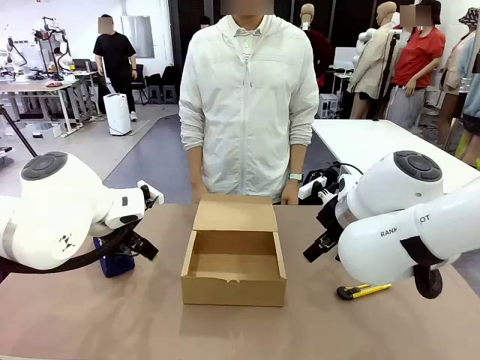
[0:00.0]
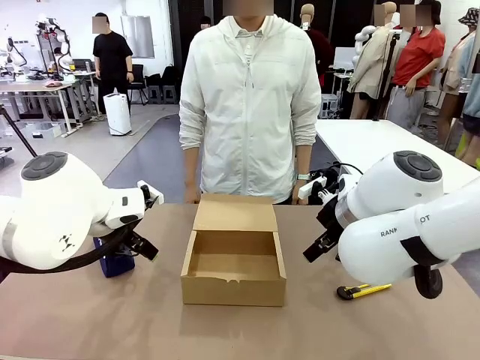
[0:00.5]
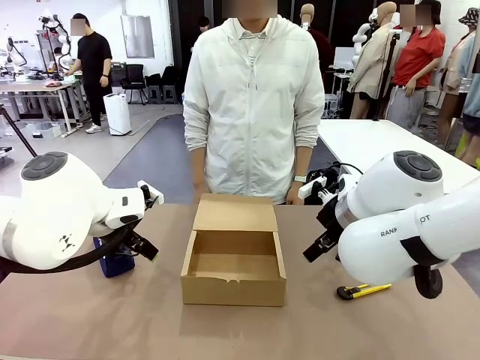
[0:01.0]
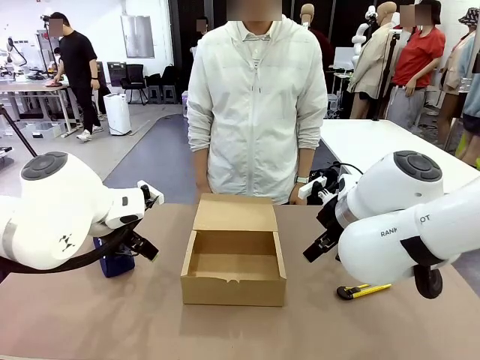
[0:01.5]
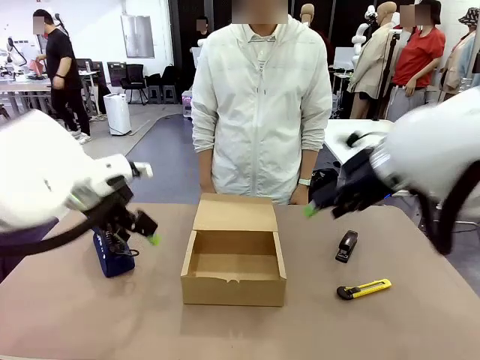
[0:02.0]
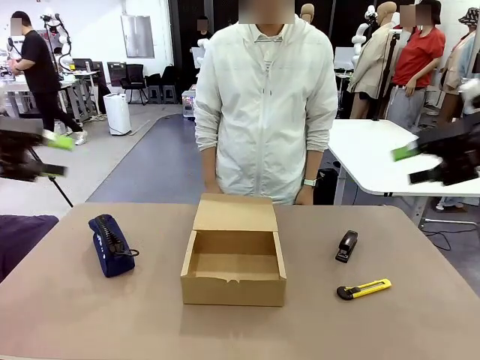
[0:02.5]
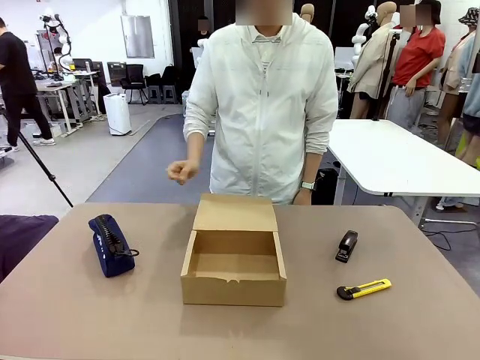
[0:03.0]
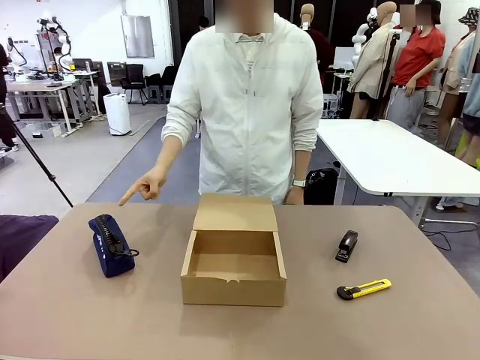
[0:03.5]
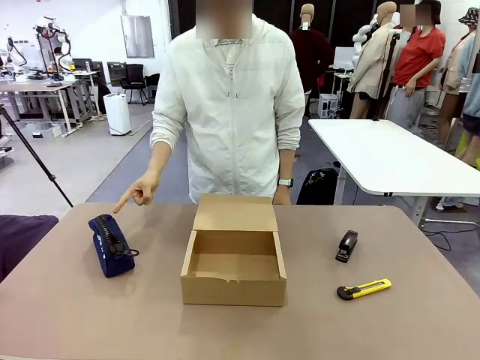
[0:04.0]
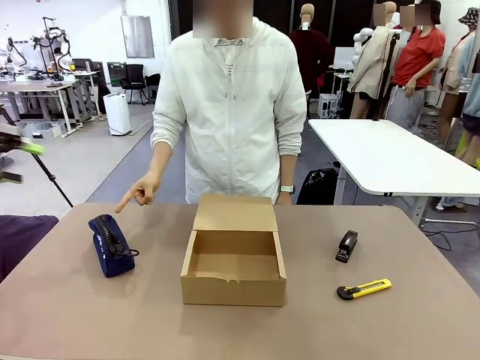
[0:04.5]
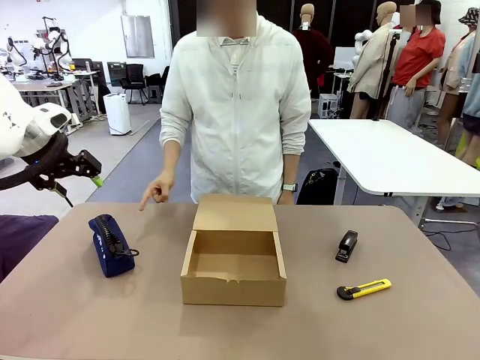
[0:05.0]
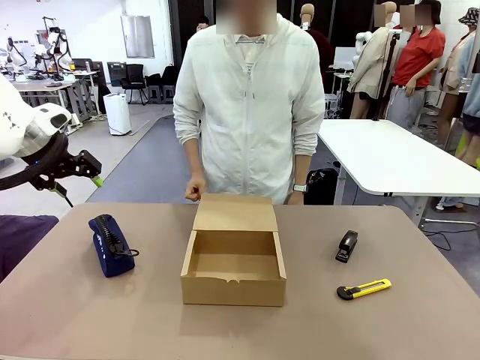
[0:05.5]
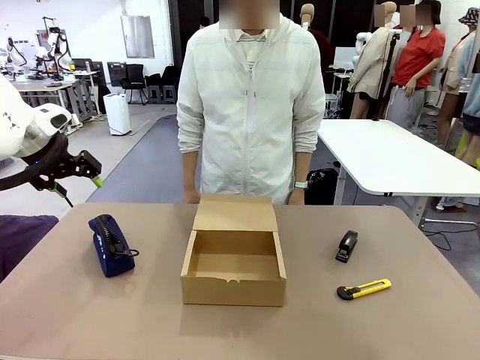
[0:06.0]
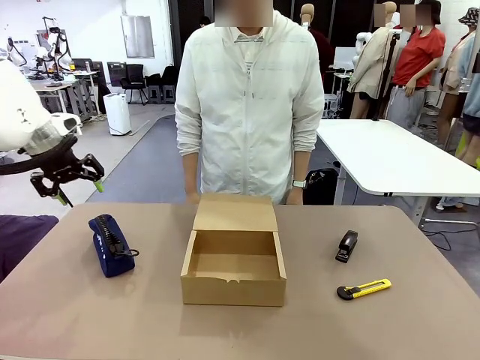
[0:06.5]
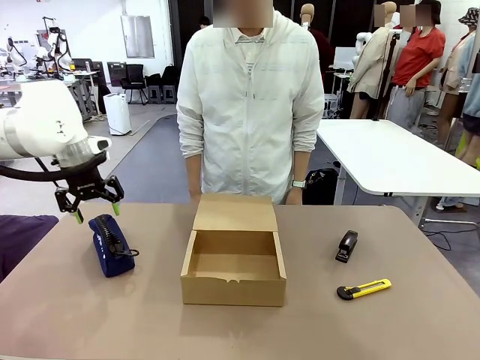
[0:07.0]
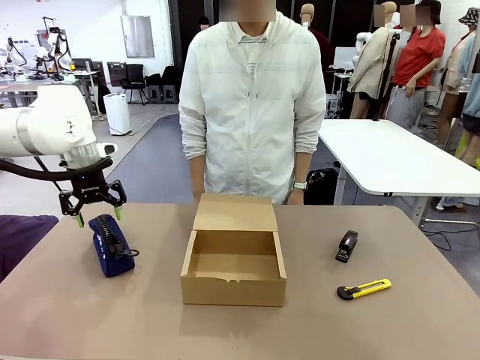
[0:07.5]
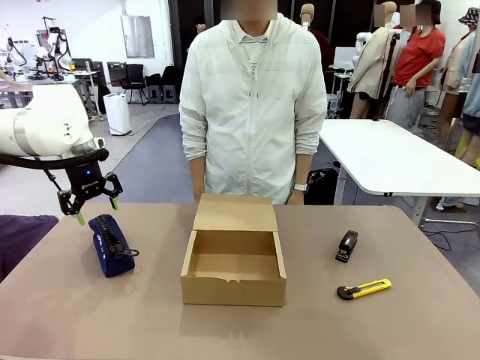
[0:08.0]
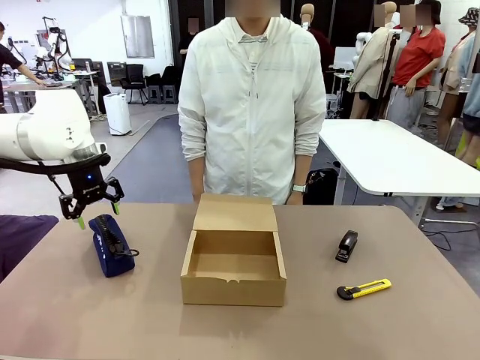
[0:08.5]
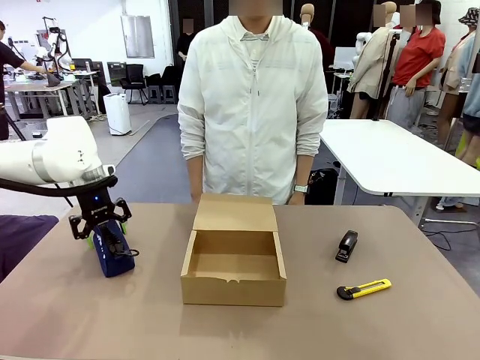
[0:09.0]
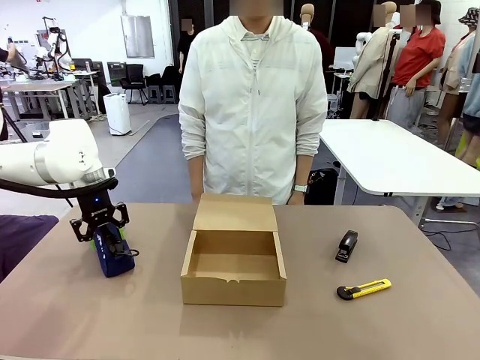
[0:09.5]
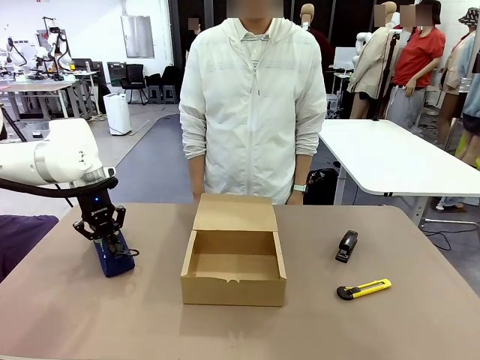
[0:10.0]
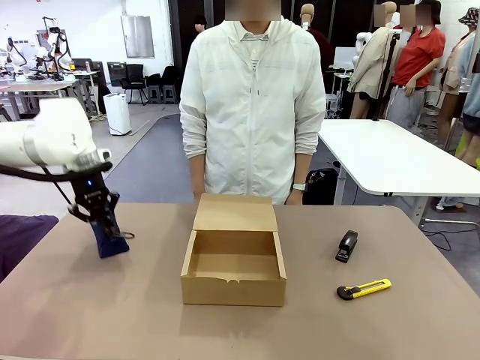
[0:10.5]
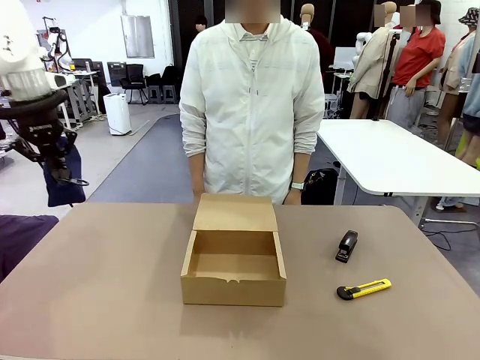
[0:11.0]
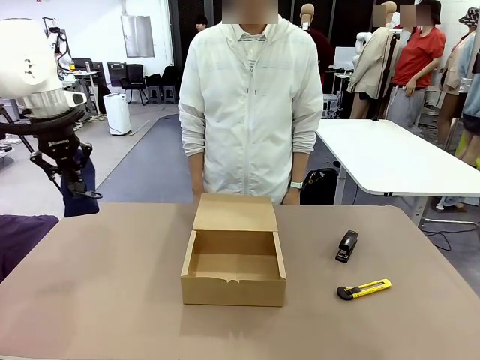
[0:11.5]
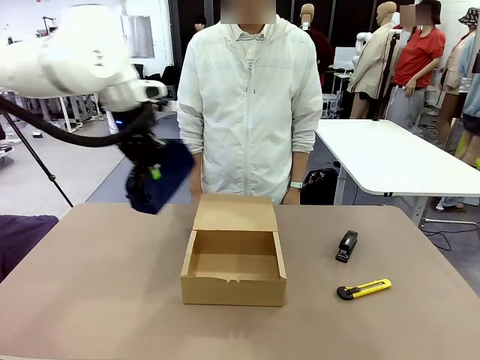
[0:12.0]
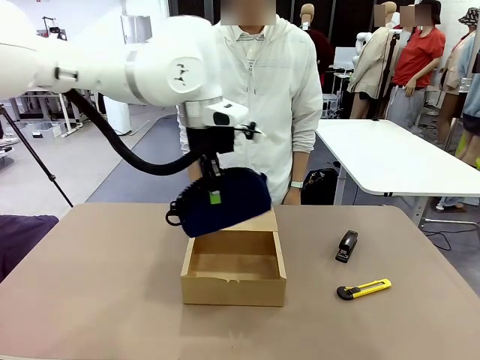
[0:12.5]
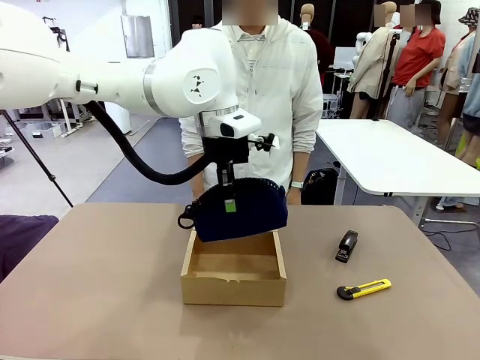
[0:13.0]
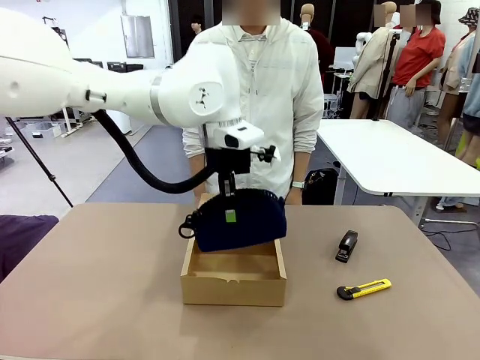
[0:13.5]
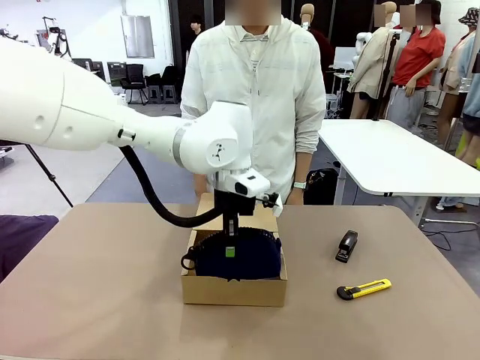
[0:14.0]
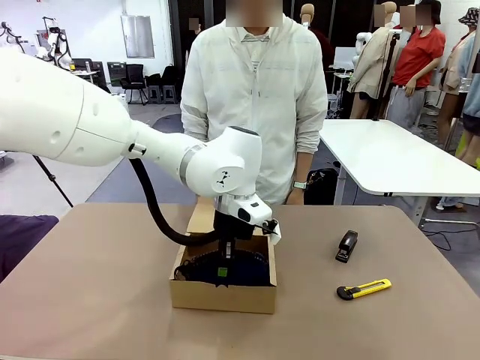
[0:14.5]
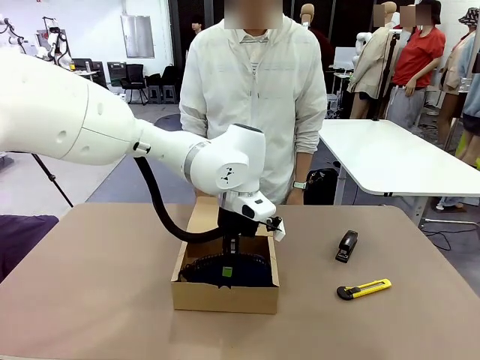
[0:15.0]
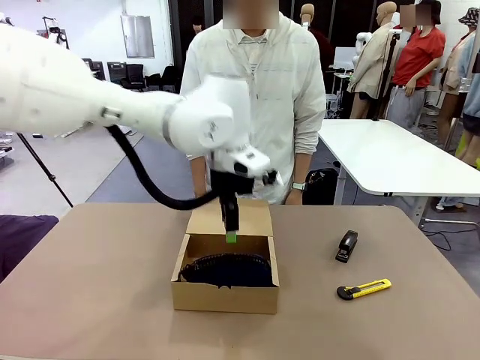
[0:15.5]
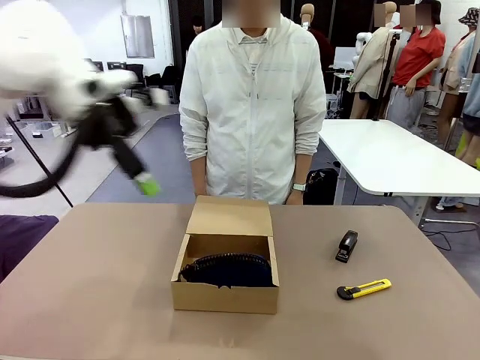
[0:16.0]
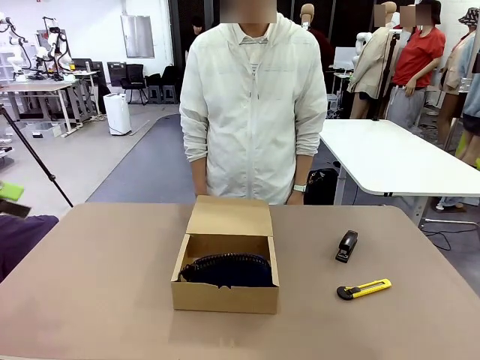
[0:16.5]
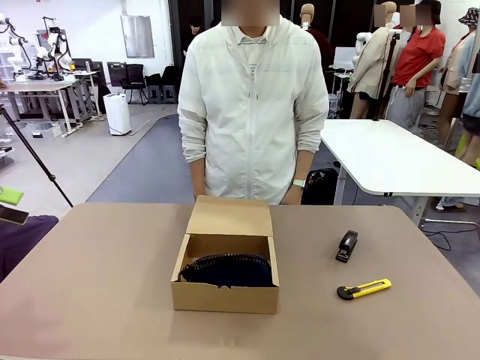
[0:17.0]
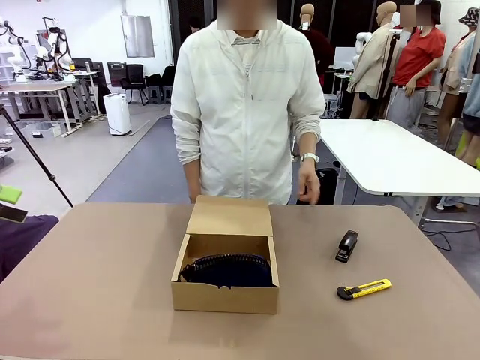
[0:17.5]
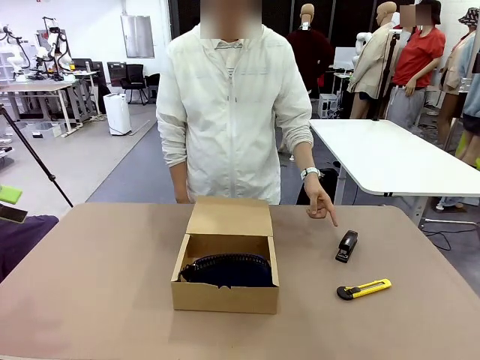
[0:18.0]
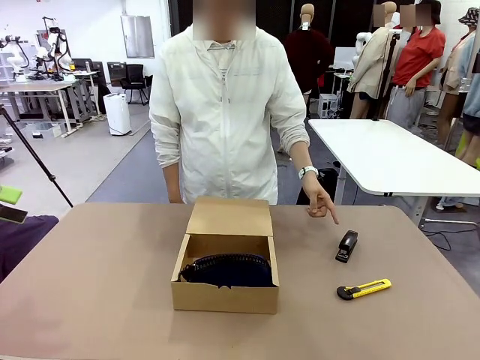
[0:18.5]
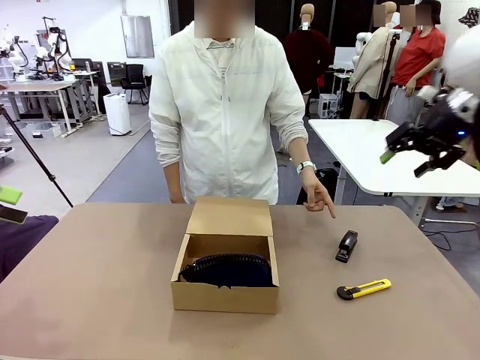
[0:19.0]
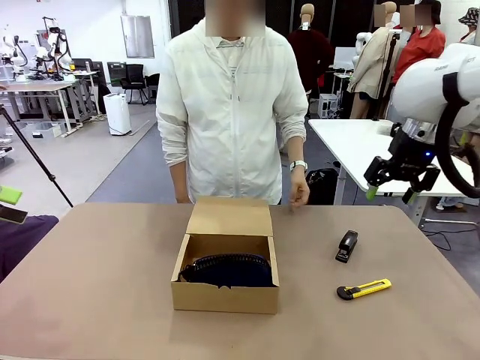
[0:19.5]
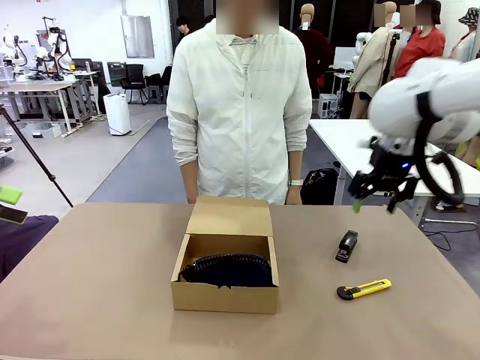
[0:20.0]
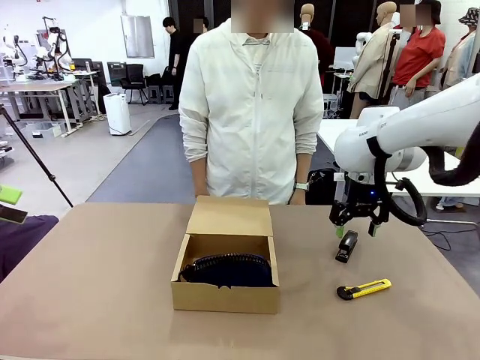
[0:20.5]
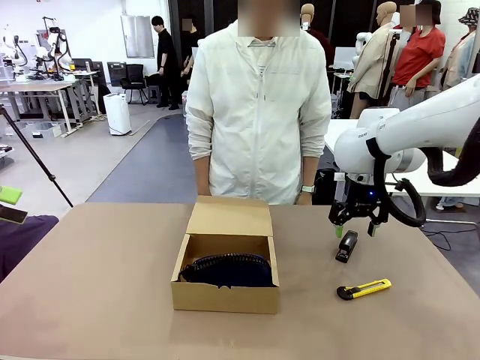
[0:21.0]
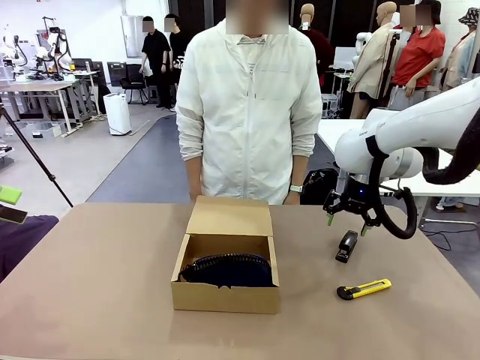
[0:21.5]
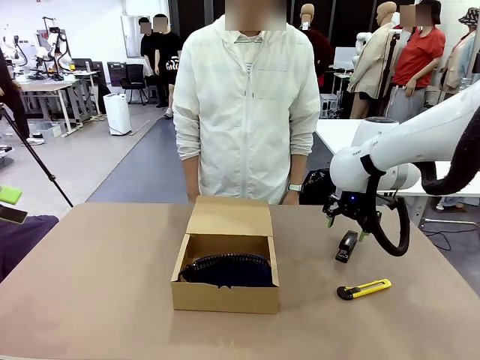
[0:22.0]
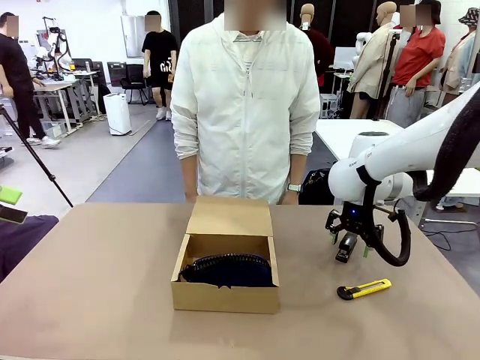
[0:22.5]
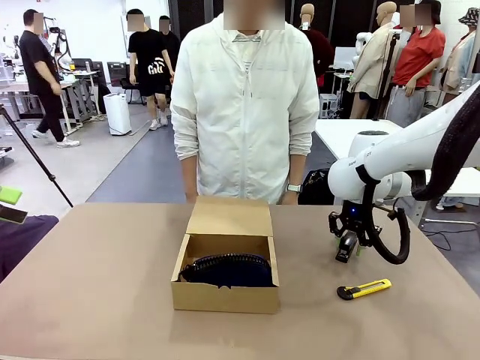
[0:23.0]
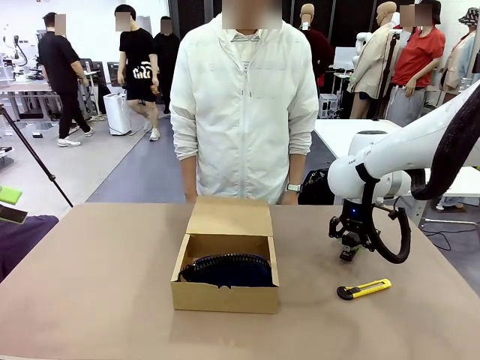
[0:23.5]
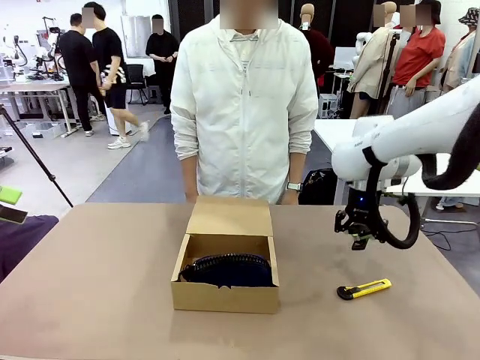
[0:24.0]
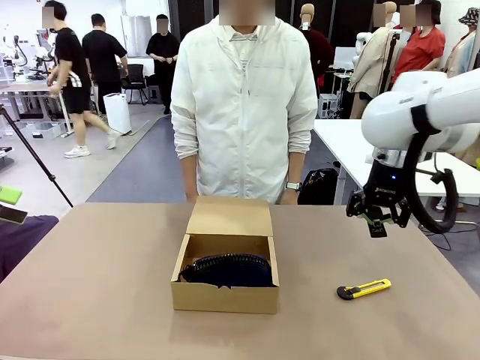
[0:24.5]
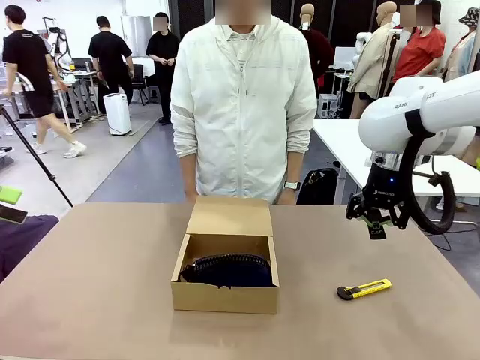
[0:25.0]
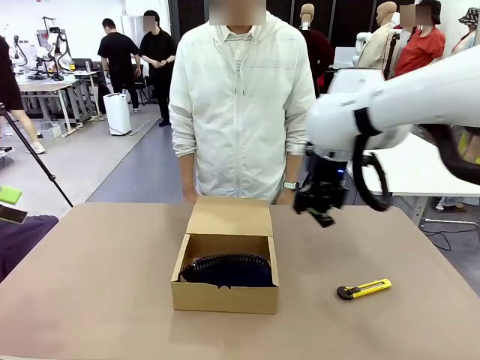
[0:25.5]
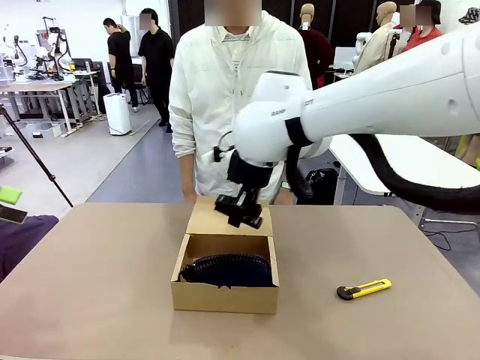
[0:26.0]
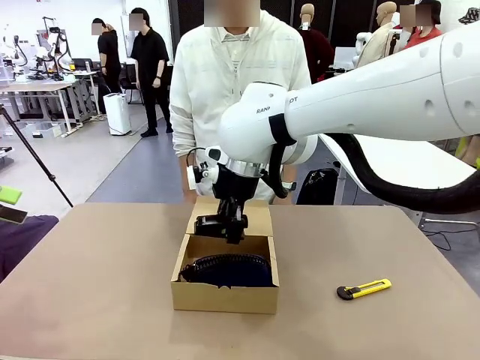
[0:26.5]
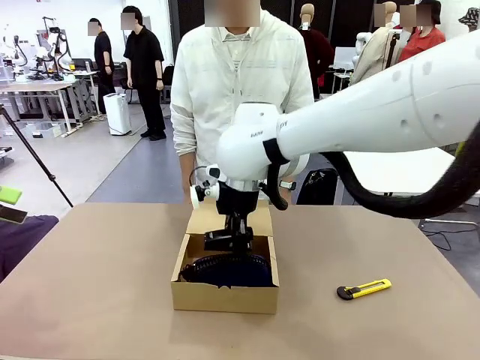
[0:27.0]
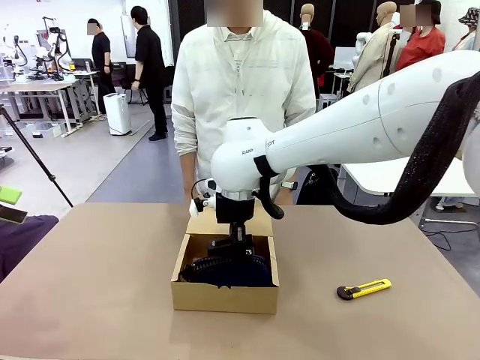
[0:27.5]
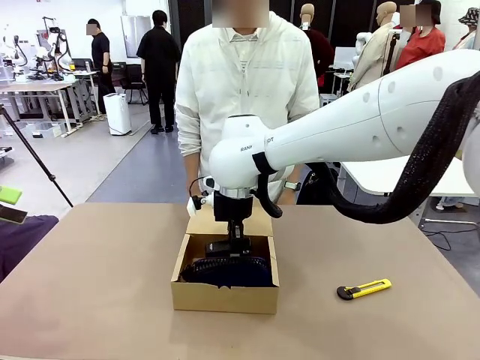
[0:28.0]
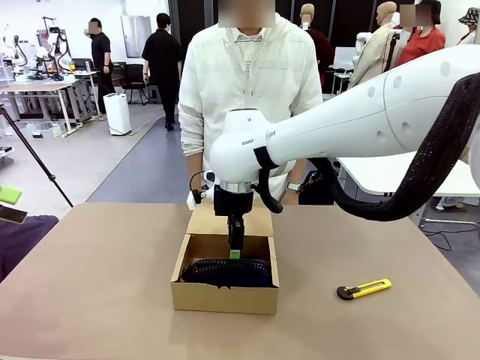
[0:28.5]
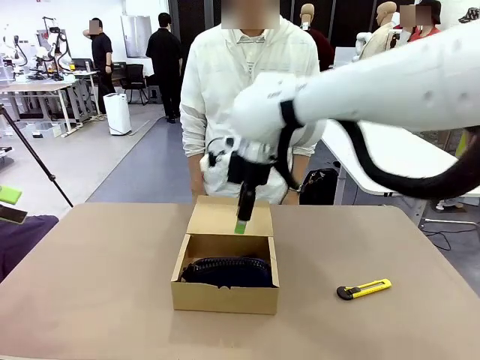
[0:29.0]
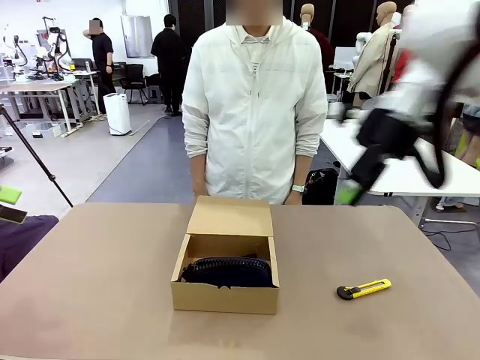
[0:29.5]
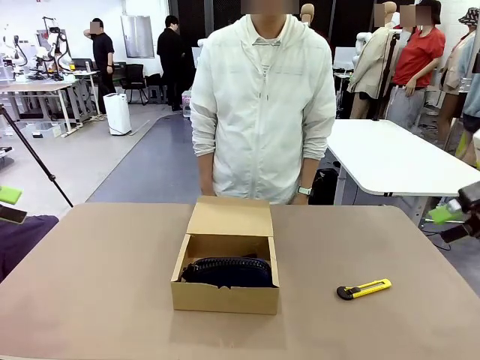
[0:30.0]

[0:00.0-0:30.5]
Task: Pack the items into the box.
Robot: Pick up the item specified by the human and place it in the Mailer Box.
Person: Point at one item on the table (excluding the box). Lower both hands vertically with palms facing downward, as if pressing something closed.
